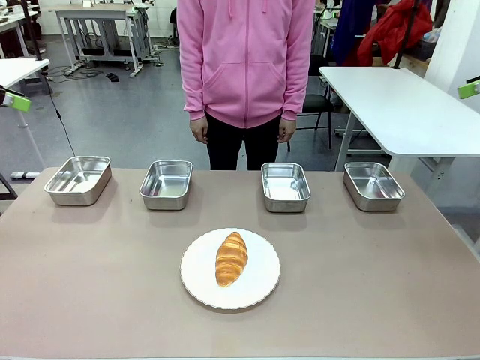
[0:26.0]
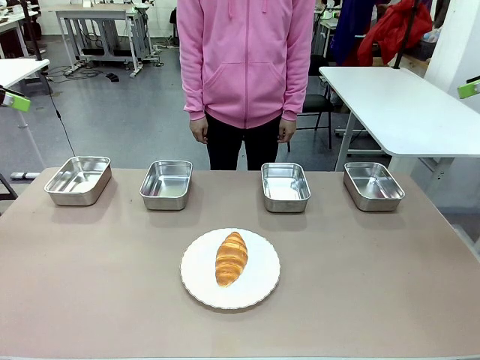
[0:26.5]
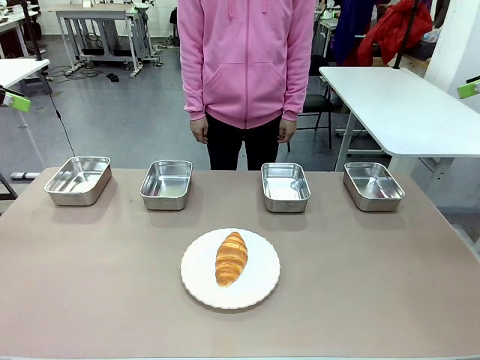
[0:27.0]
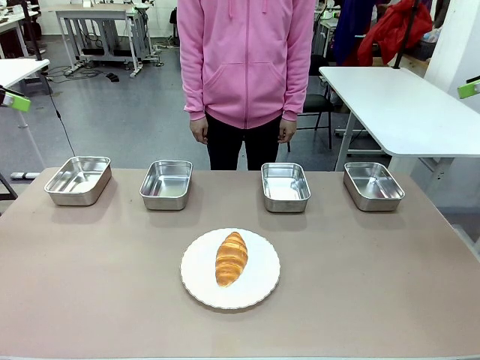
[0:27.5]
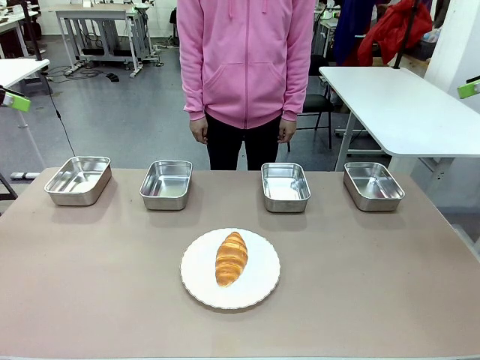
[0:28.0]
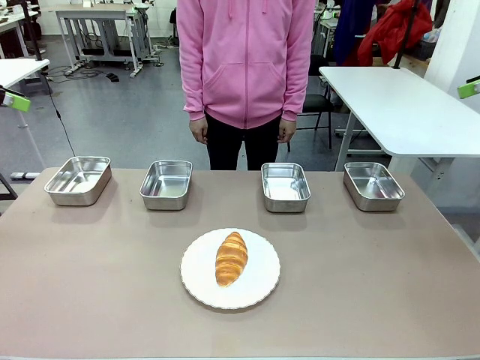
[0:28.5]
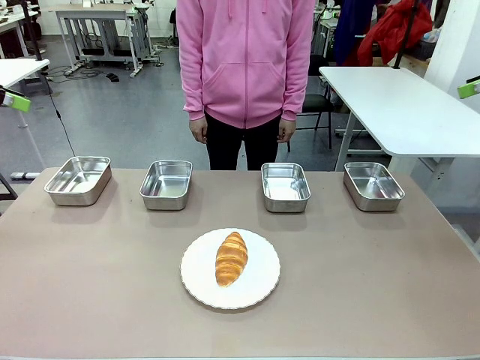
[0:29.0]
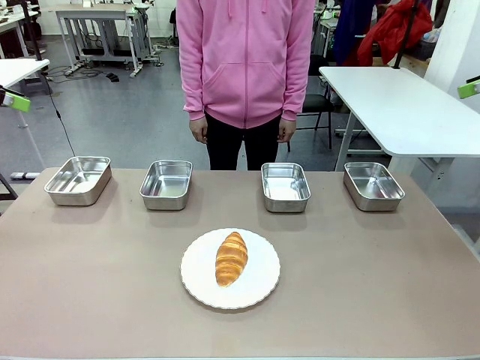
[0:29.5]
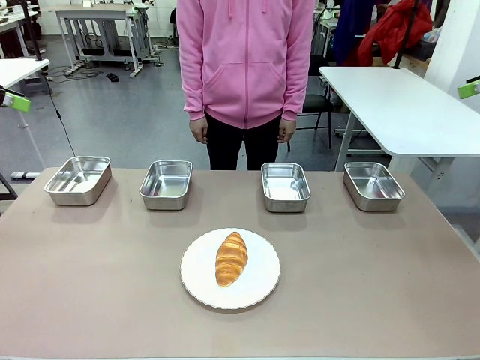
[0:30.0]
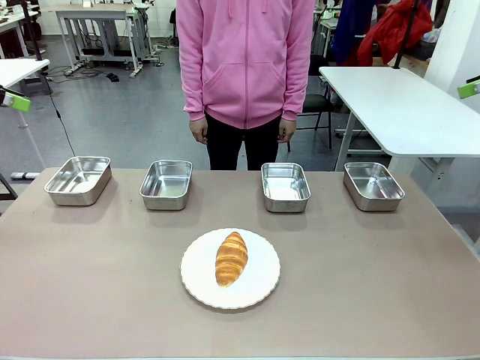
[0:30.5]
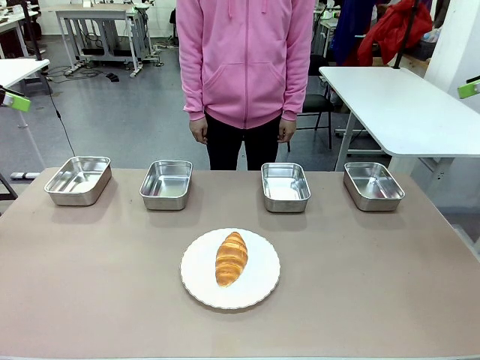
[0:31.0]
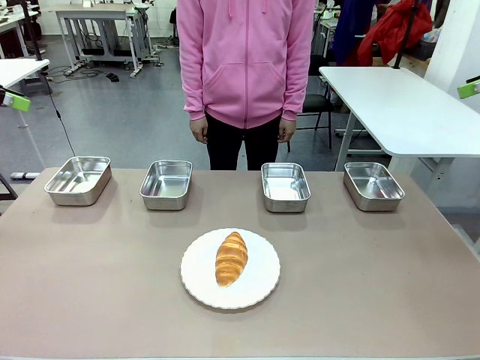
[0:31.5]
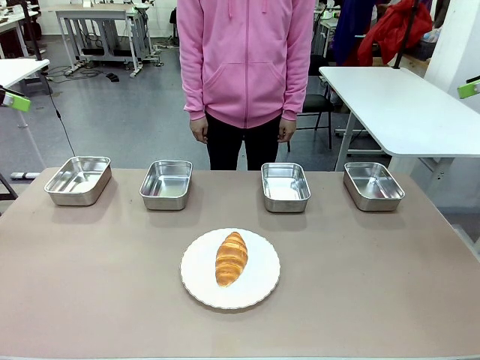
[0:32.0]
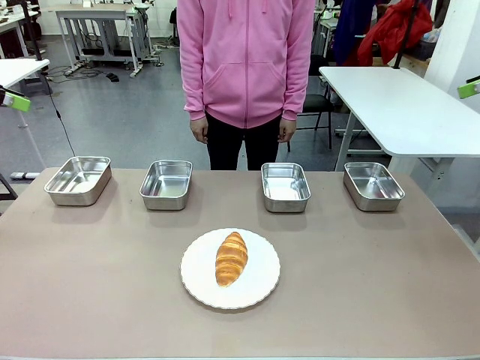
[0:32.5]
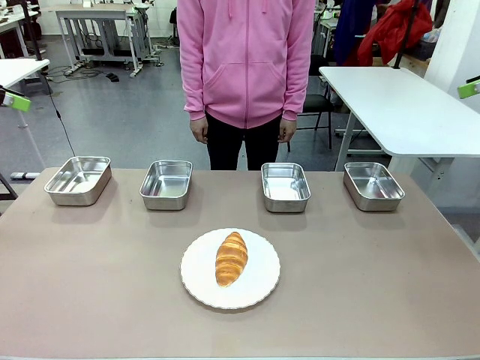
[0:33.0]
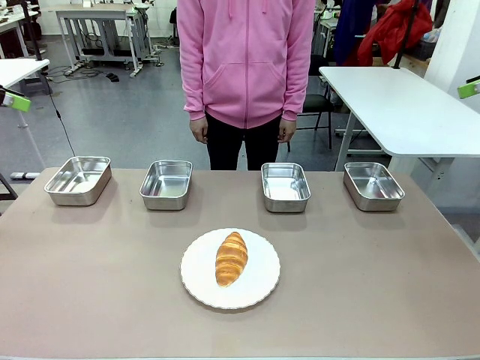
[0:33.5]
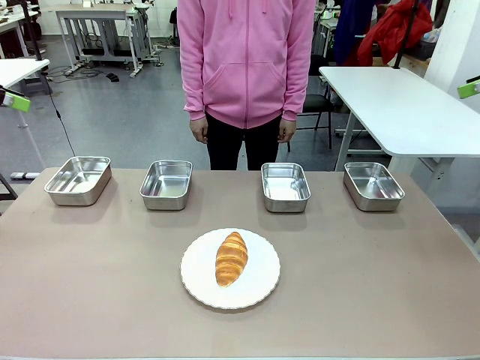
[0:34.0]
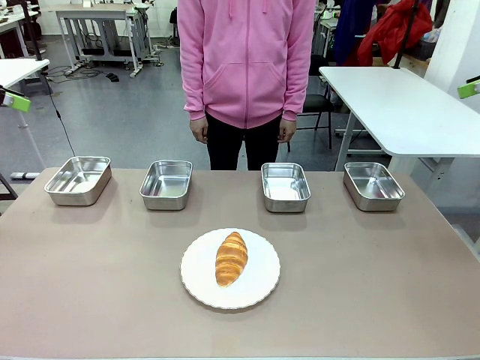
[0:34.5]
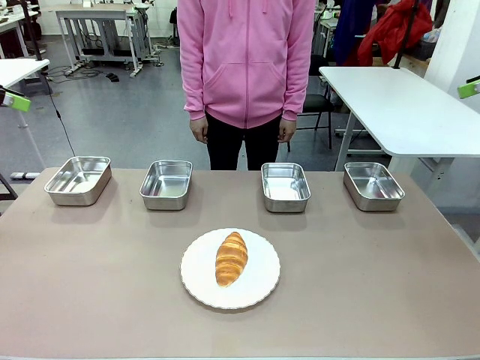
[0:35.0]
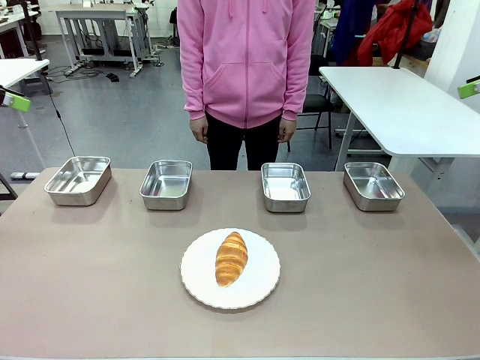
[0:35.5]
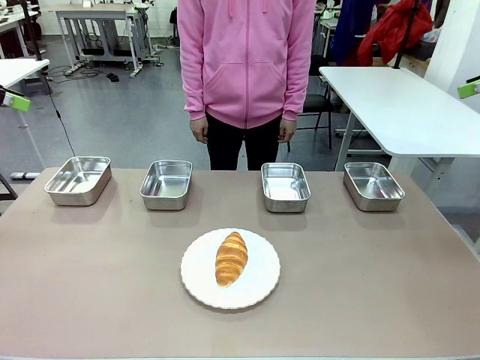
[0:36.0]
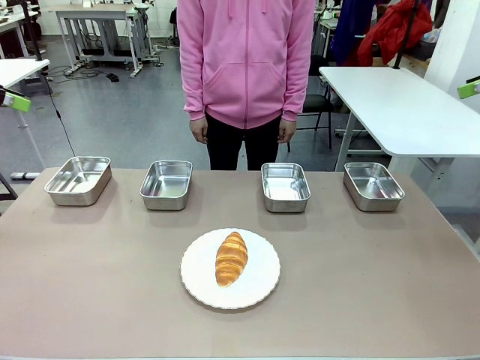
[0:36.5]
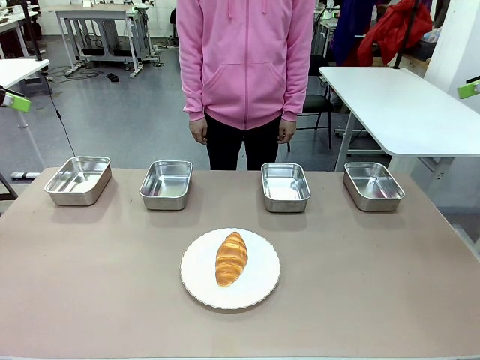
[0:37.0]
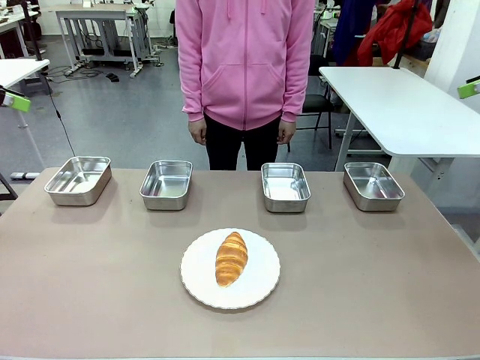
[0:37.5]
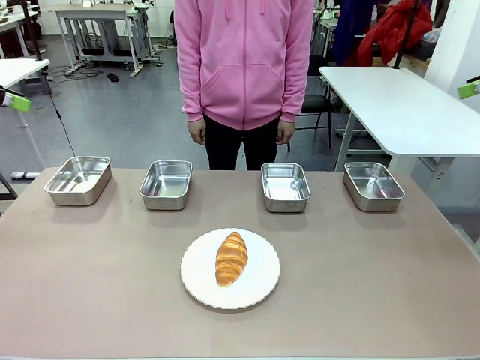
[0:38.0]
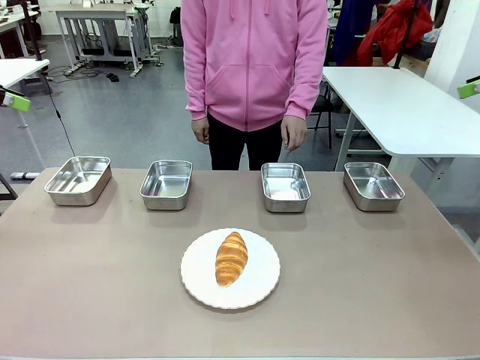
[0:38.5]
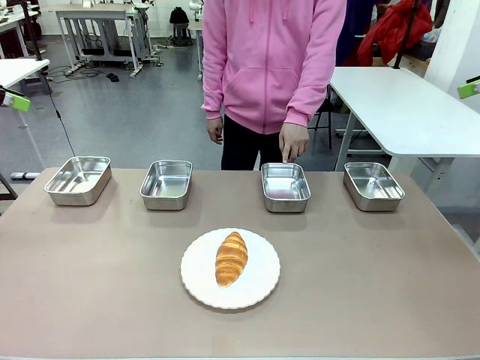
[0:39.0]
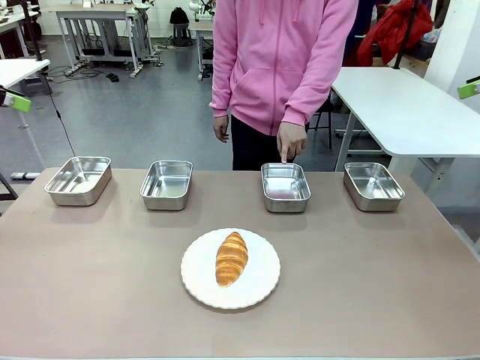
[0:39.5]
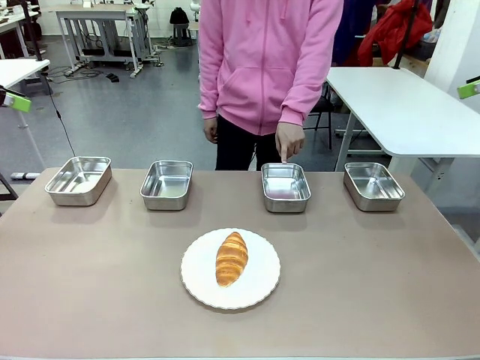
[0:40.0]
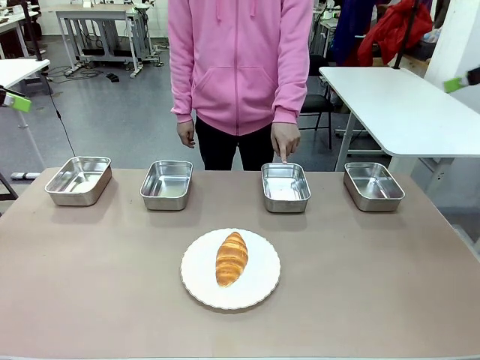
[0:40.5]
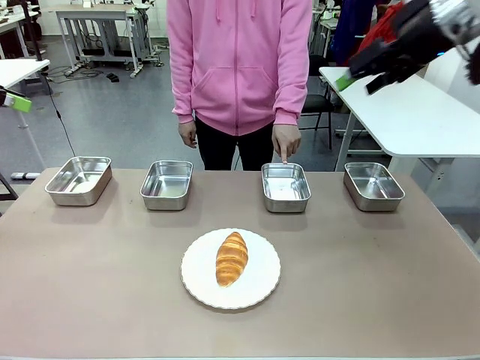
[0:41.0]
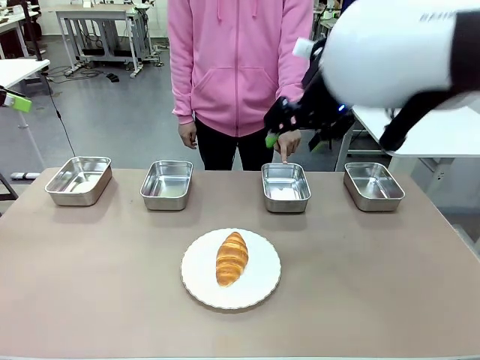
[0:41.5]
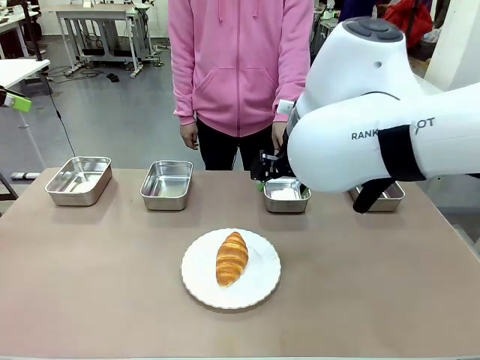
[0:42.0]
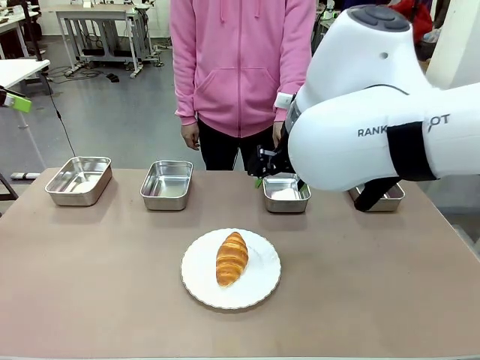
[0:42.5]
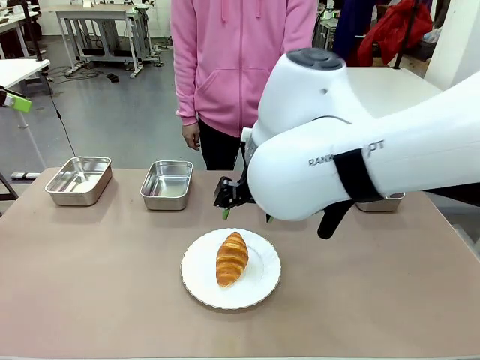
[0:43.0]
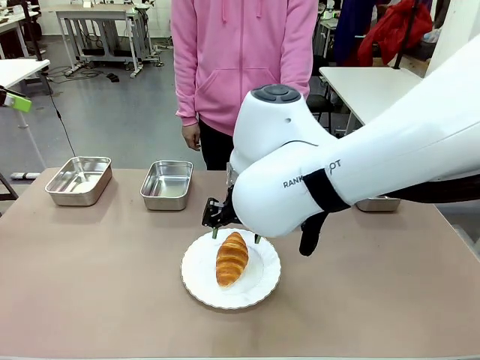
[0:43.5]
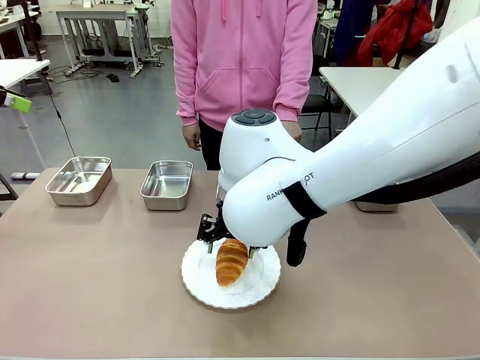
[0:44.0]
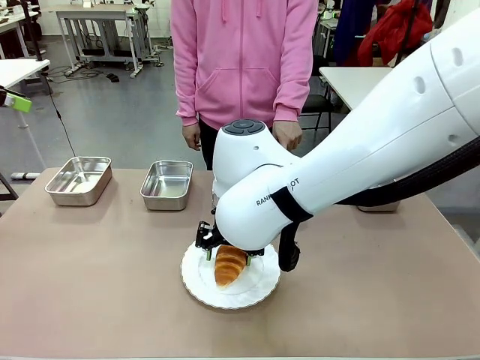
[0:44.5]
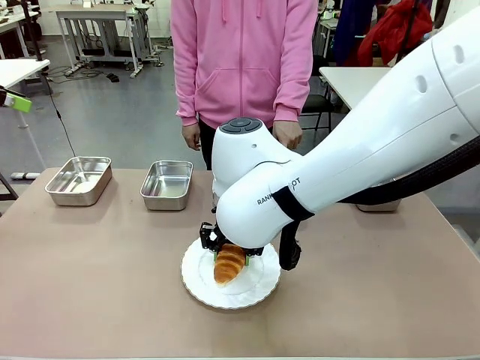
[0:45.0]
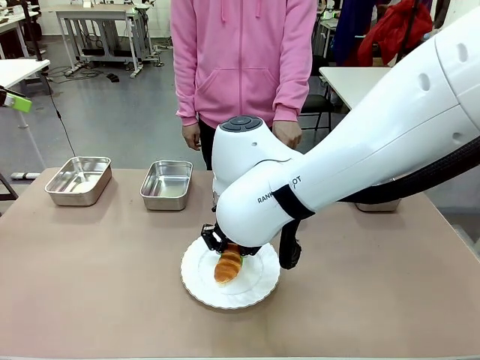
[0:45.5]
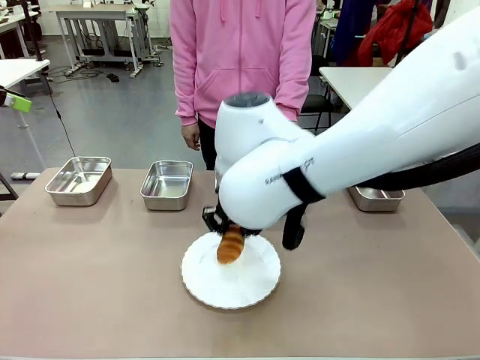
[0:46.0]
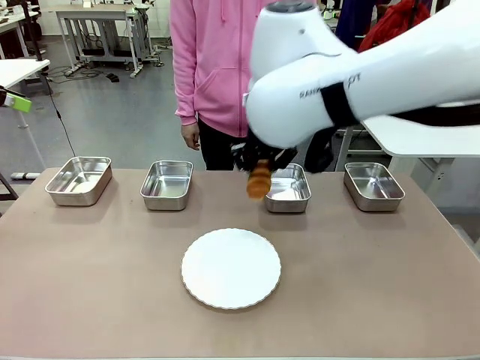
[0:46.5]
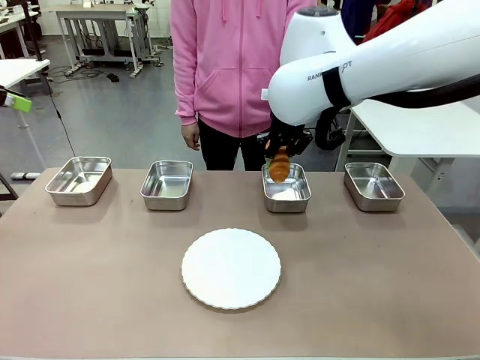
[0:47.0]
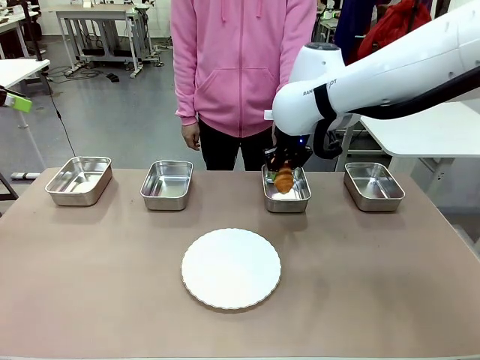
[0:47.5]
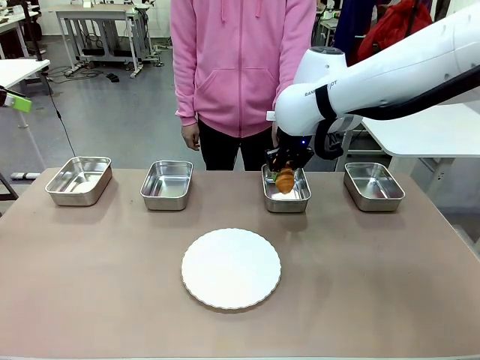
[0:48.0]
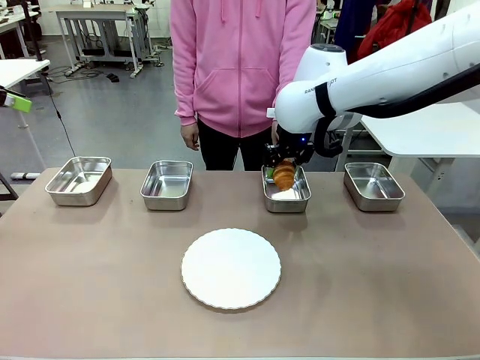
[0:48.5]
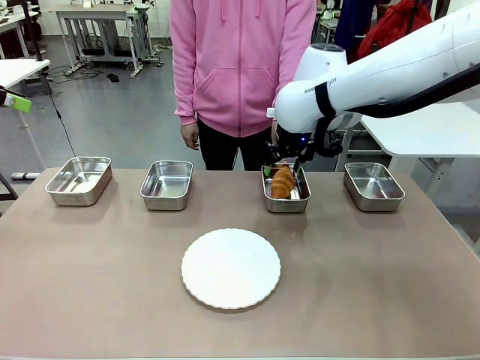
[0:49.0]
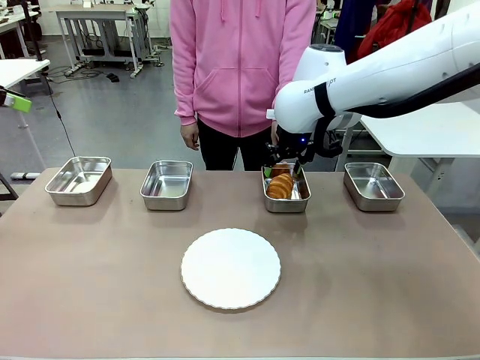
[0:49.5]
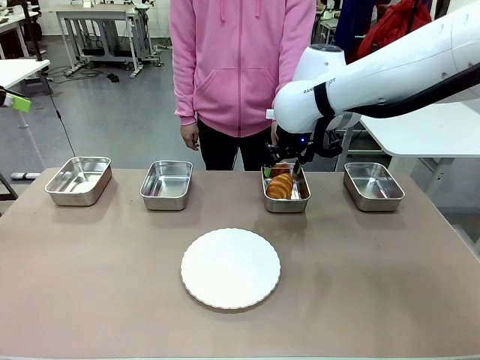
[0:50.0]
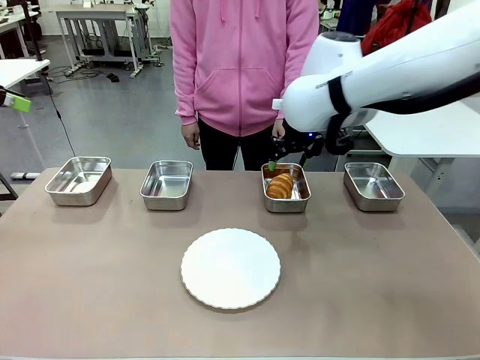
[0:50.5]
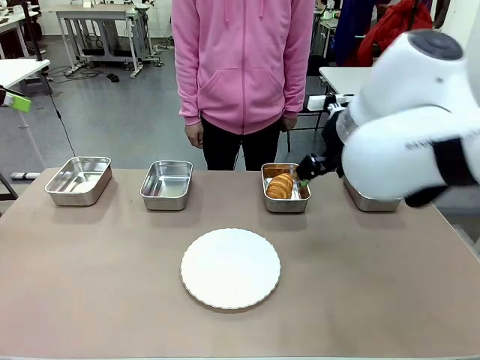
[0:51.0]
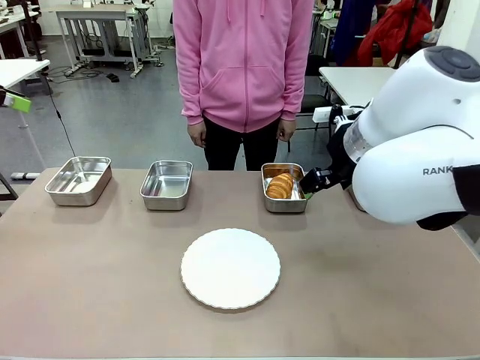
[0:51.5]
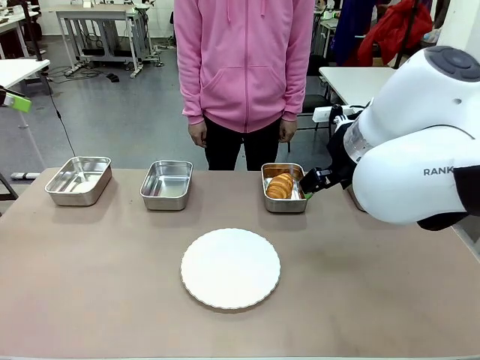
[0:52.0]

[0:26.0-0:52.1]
Task: Place the bread in the container.
Robot: Place the Butter Roll into the Airtight Container indicated by the human.
Person: A person randomly selects and points to an Airtight Container.
